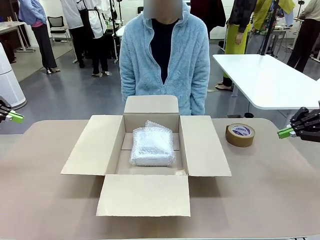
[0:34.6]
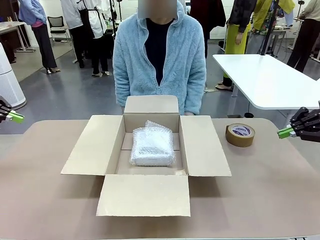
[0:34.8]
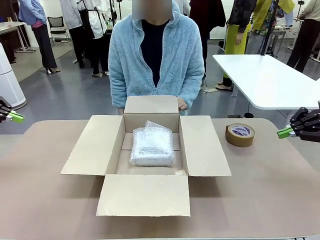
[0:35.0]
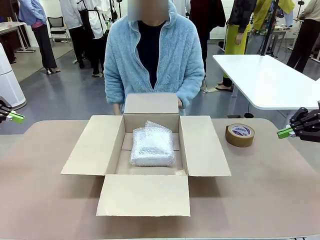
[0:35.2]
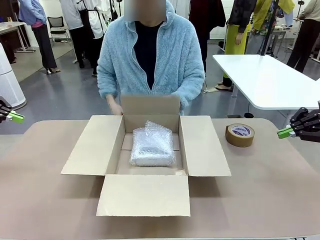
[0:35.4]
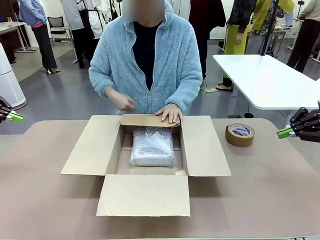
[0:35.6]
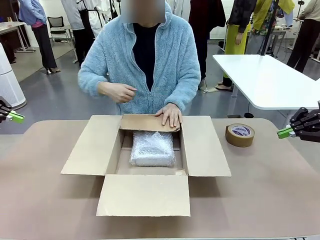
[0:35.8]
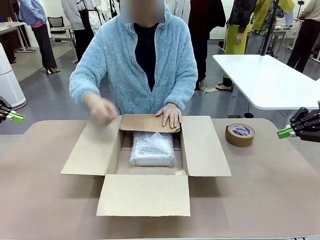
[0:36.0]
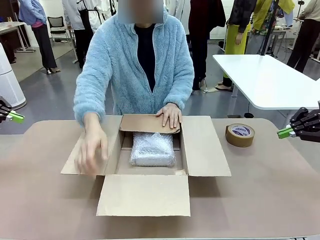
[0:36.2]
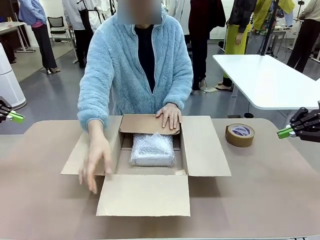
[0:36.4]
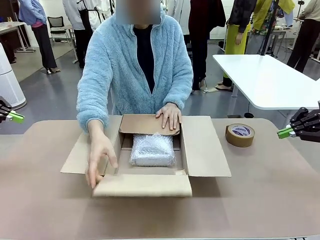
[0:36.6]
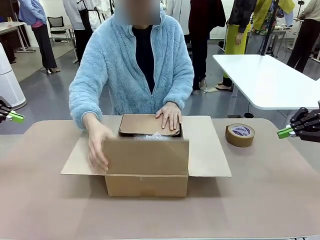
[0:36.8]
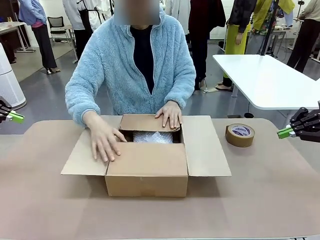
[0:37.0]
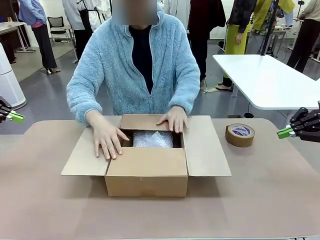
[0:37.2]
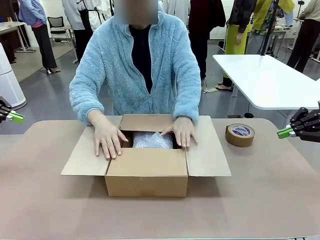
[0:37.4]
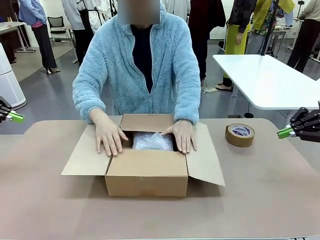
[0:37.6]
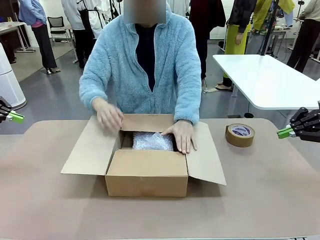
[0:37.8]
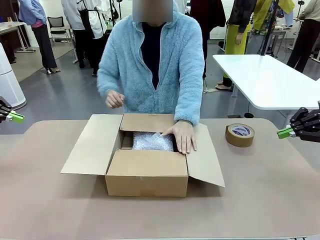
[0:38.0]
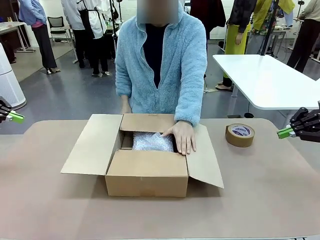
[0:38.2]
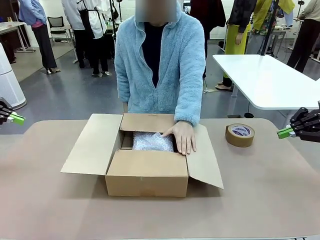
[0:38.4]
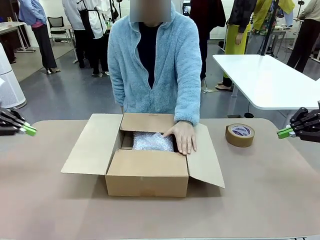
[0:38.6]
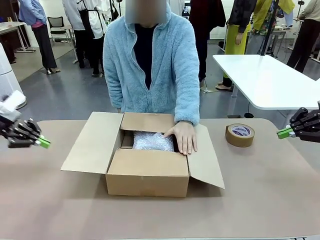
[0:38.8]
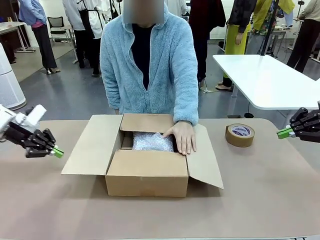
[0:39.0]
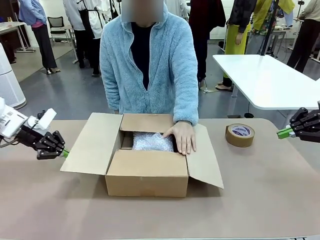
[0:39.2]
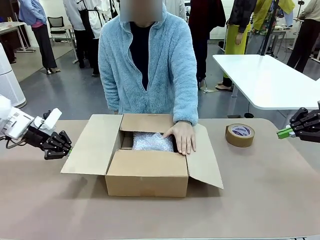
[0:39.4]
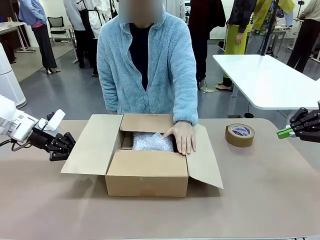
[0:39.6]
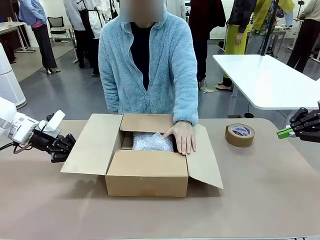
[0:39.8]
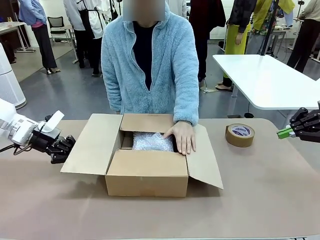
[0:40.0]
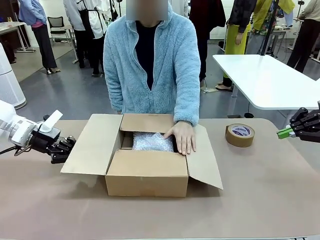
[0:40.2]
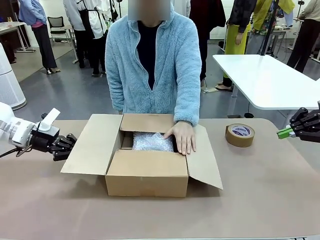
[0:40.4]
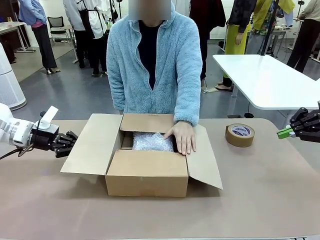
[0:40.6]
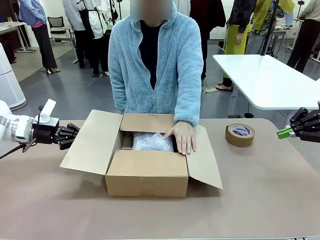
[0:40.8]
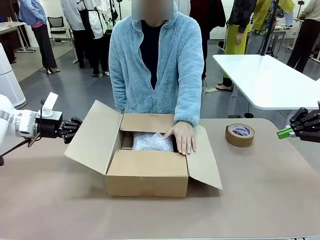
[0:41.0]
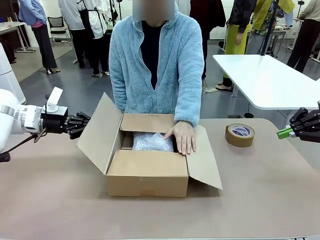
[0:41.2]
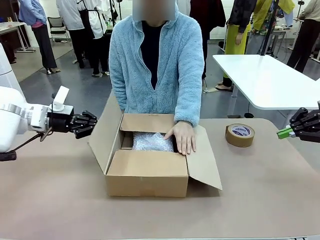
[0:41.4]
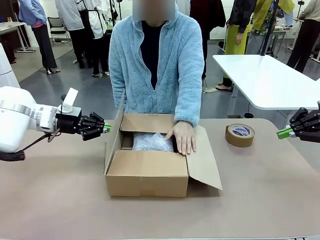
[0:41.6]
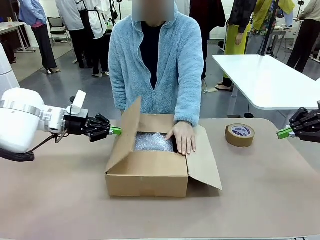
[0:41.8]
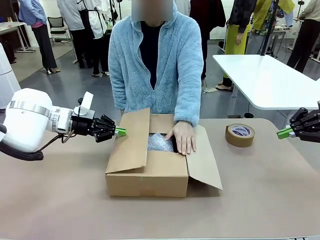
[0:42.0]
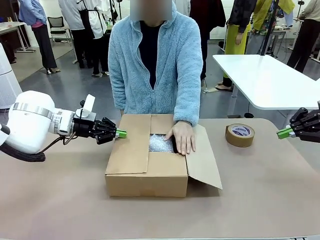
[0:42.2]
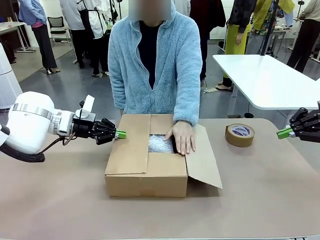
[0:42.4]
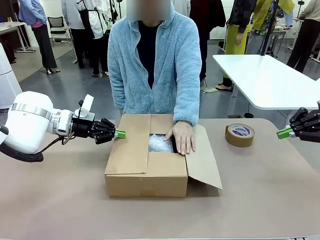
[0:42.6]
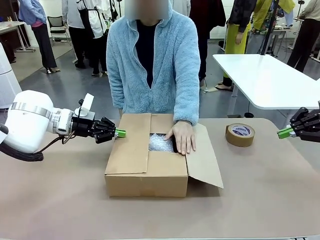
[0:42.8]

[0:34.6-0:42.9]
Task: Wrap the clocks to prevent damage.
Robot: Push the right (or left) flap of the Package Box to close it.
Person: Once the robot closes the right flap of the Package Box , release your left hand from the box.

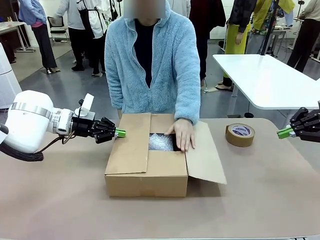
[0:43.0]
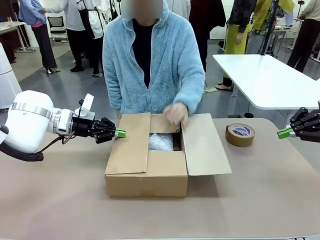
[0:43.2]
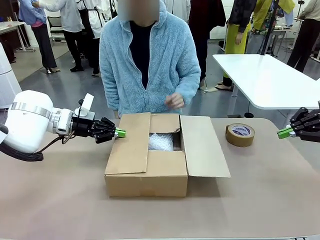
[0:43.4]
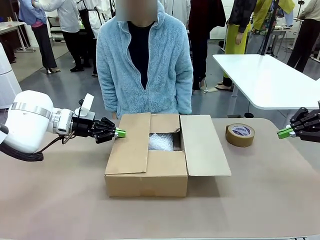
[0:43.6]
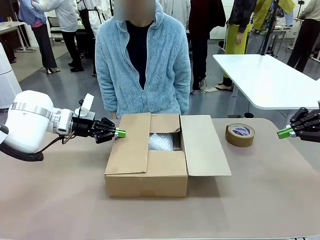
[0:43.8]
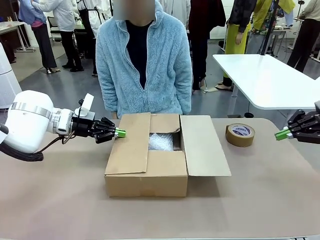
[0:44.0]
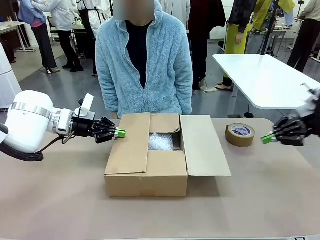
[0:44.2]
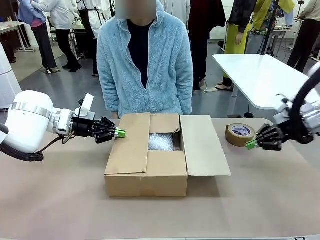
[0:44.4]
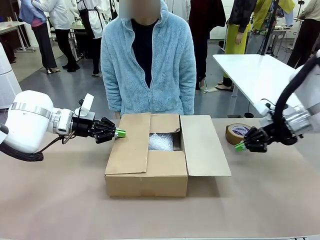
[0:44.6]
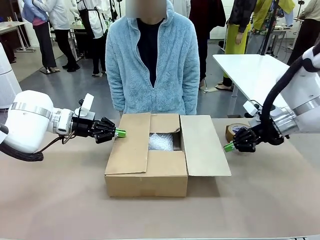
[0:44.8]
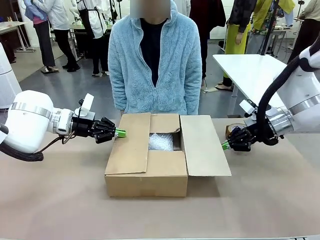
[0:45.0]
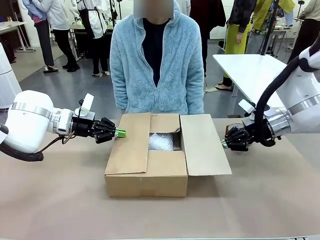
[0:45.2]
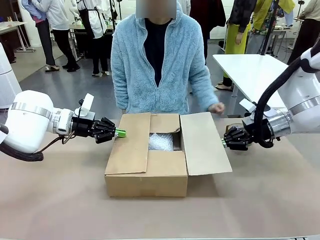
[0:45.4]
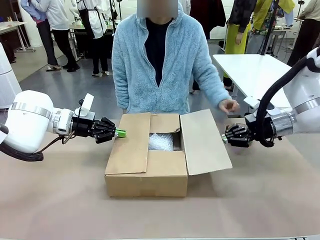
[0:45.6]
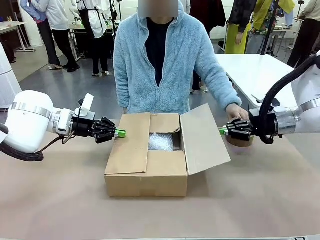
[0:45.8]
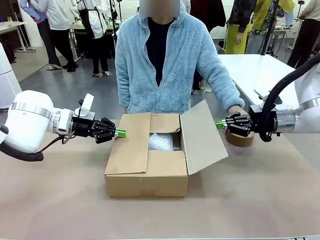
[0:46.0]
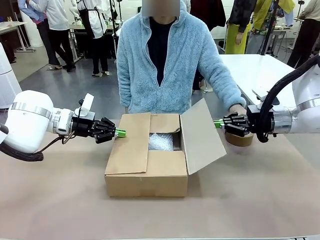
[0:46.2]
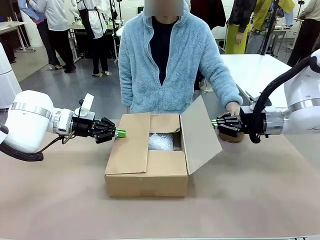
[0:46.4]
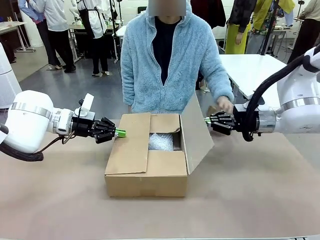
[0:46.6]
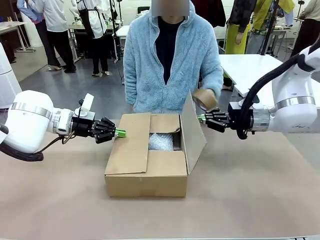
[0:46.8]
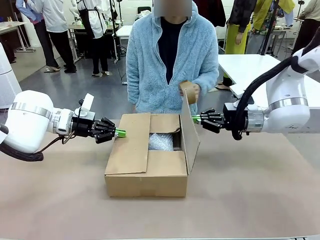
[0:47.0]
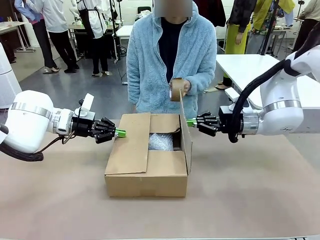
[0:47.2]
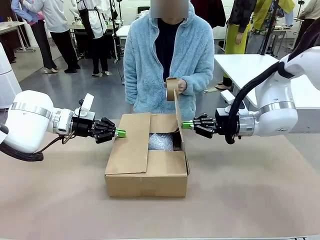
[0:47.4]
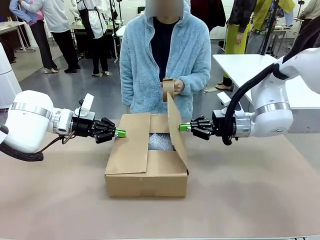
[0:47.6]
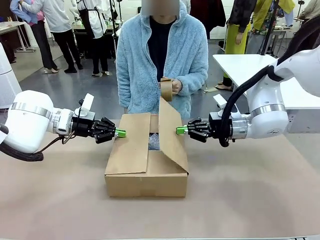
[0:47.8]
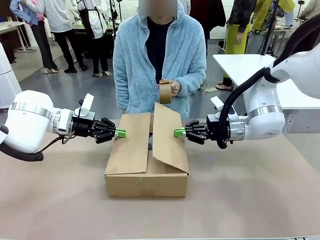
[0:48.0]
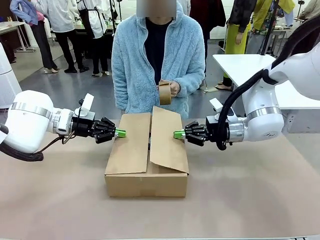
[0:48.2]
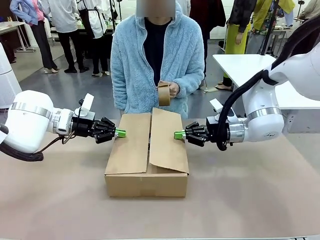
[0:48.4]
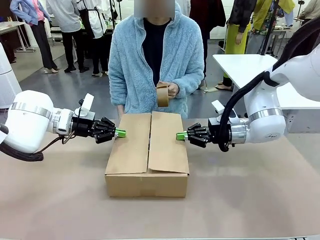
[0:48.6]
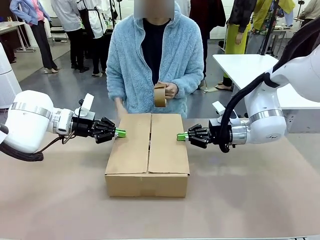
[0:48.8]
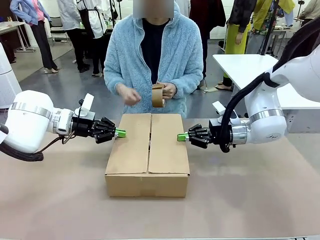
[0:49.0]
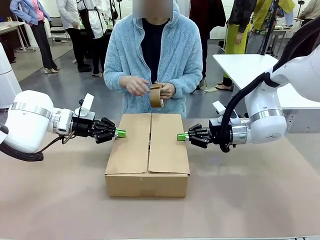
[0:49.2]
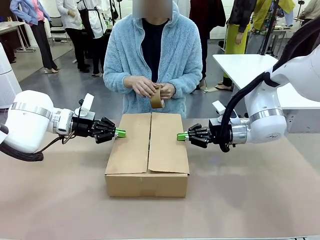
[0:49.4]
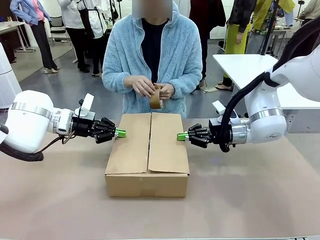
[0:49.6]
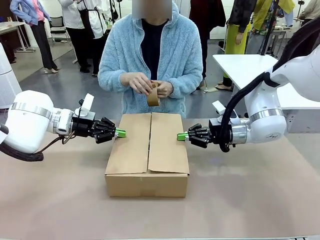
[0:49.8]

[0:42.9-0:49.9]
Robot: Push the left (or right) flap of the Package Box to close it.

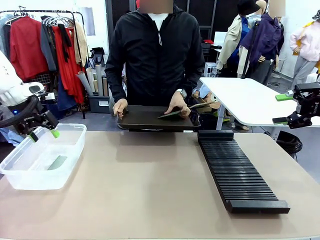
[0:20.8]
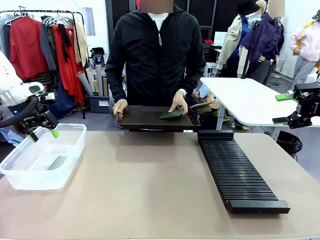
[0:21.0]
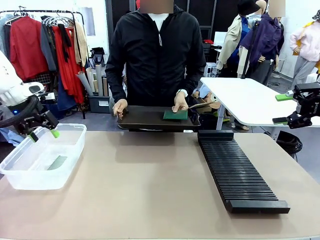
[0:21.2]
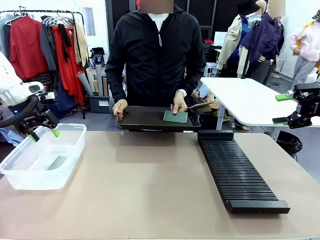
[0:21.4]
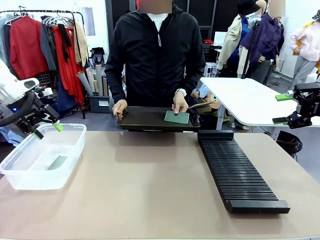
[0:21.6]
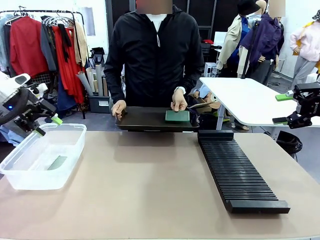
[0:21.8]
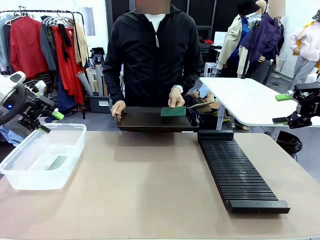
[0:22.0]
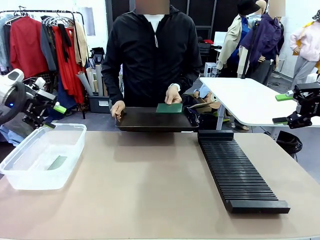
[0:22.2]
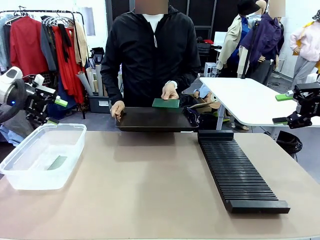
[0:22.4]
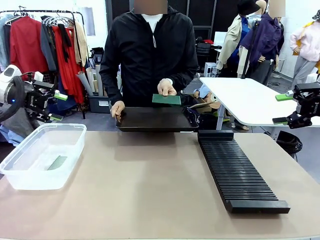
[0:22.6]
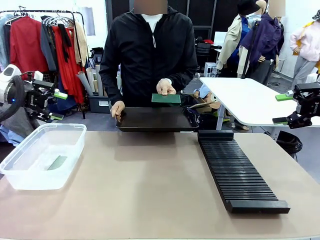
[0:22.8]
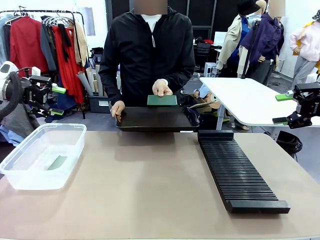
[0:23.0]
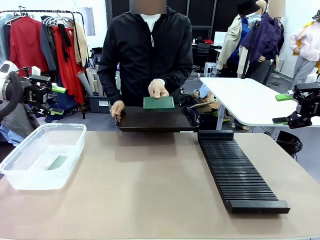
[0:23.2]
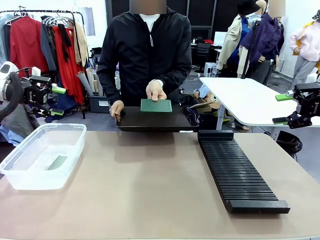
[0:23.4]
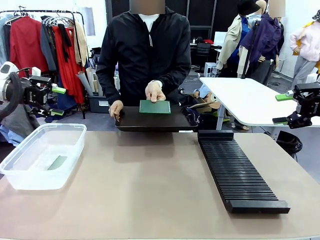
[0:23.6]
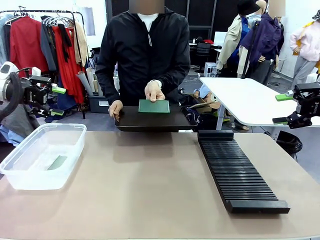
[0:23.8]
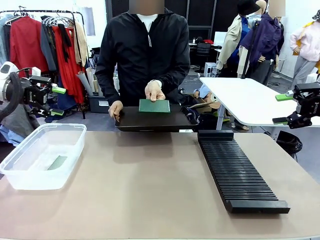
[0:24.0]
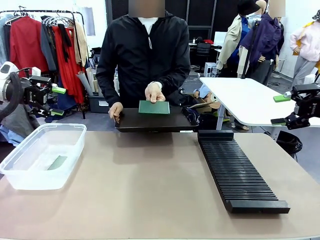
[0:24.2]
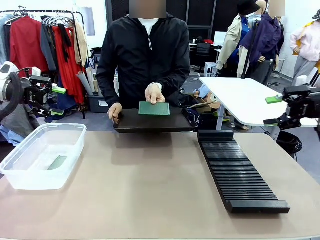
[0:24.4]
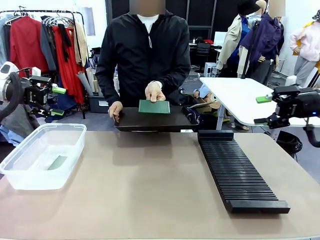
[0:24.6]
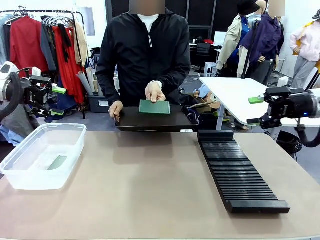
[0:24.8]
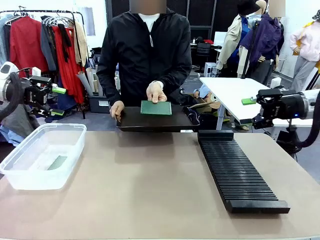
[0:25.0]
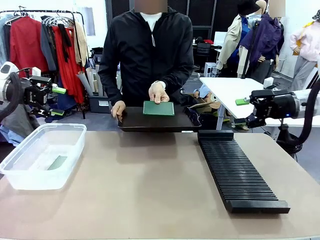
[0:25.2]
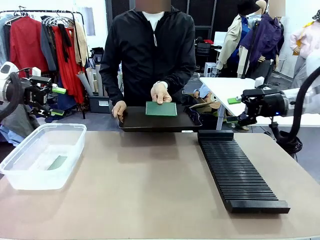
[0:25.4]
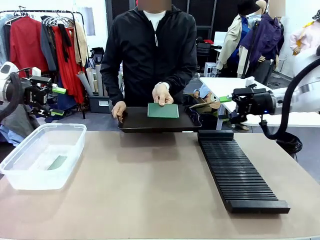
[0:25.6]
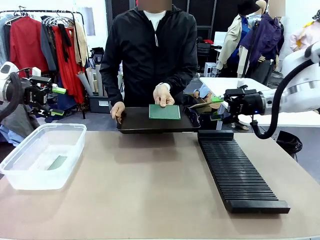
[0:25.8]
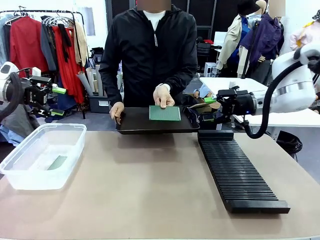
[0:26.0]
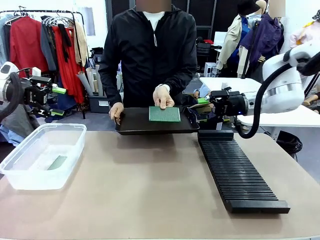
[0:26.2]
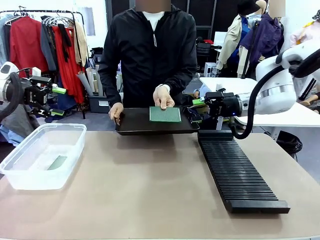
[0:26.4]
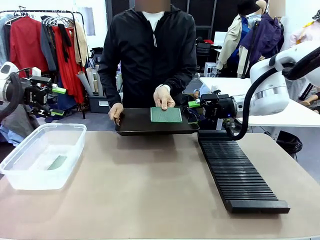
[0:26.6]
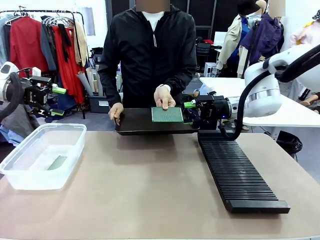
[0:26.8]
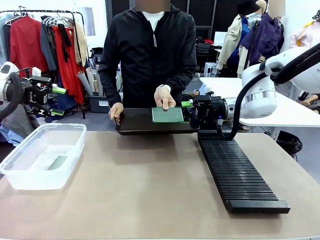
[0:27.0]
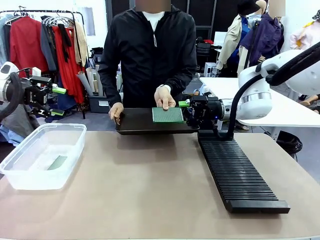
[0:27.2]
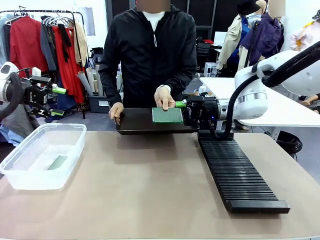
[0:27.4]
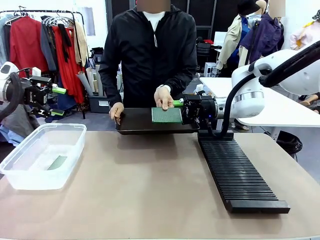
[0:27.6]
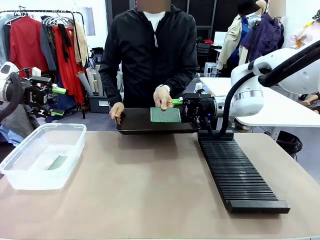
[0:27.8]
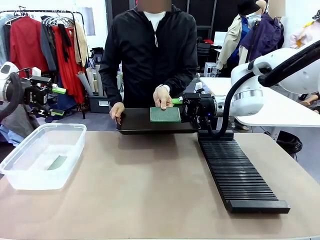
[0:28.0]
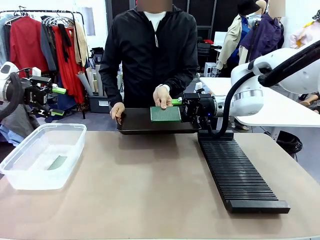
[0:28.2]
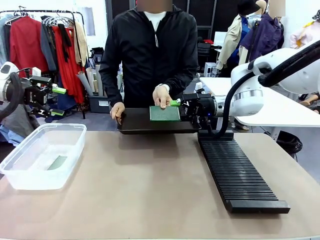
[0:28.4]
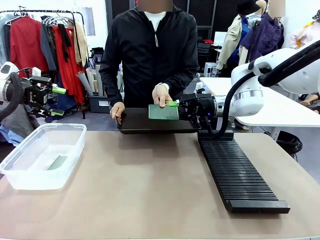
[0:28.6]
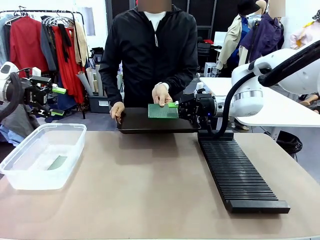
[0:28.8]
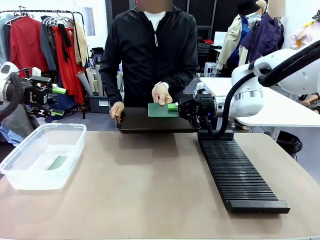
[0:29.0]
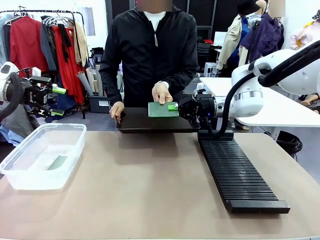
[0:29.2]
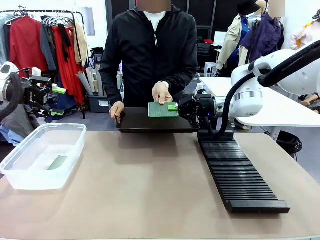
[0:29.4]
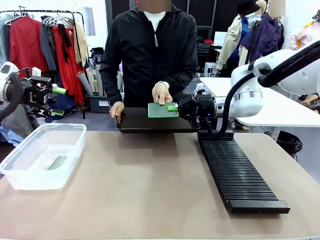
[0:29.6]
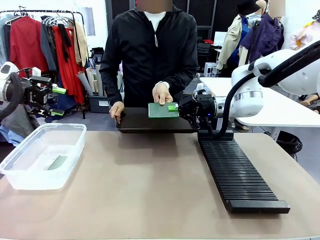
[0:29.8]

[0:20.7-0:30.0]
Task: Sort PCBs into racks and boxes based on the side picked up.
Robot: Pick up the Blank PCB handed by the Human.
